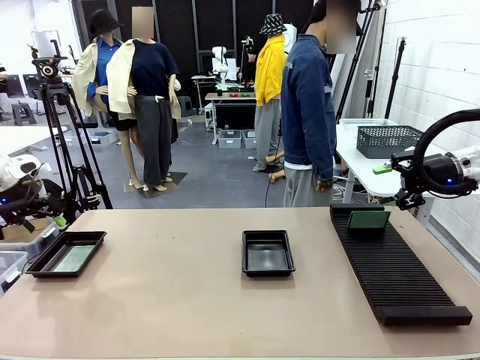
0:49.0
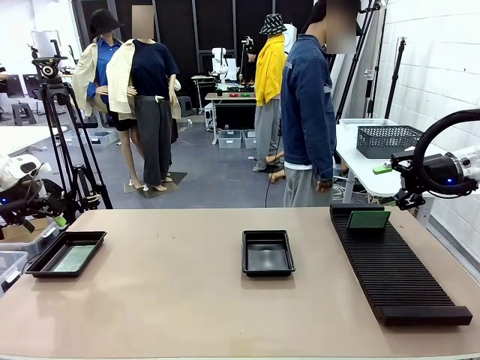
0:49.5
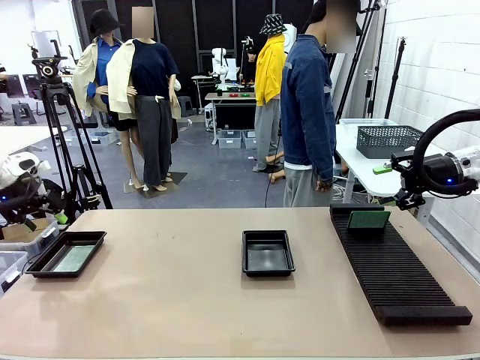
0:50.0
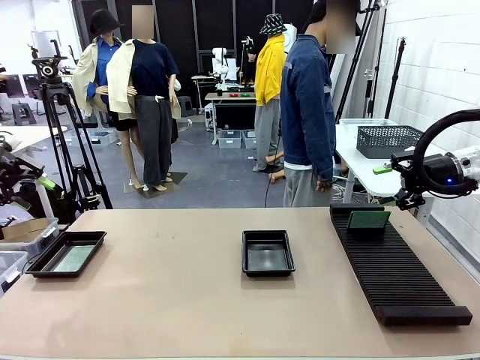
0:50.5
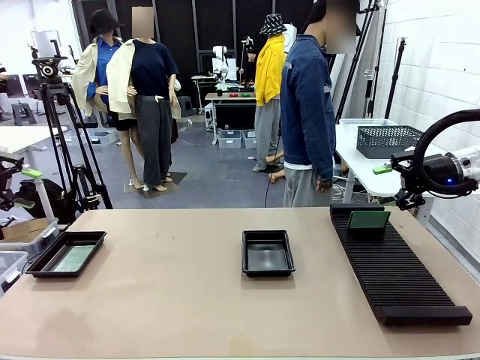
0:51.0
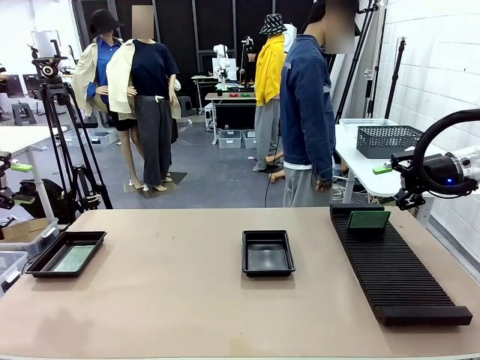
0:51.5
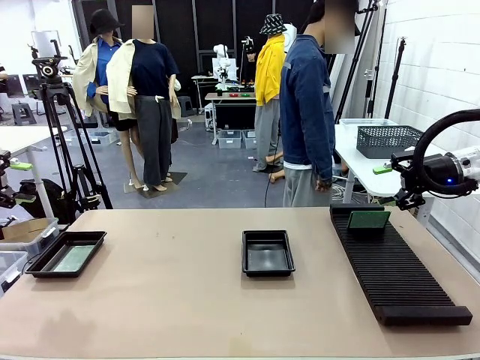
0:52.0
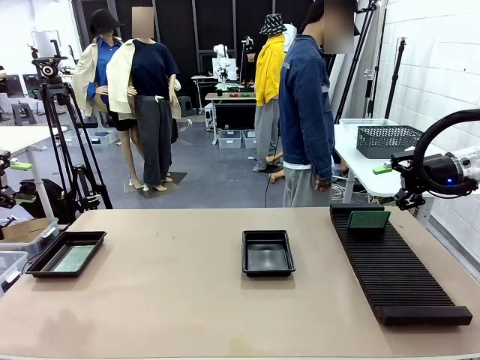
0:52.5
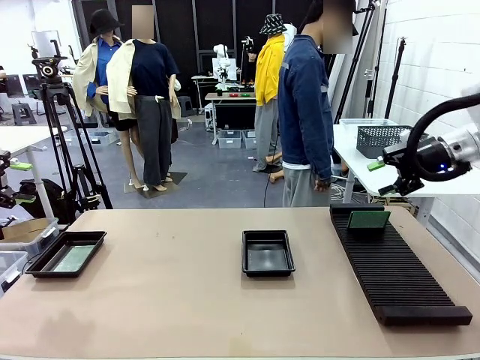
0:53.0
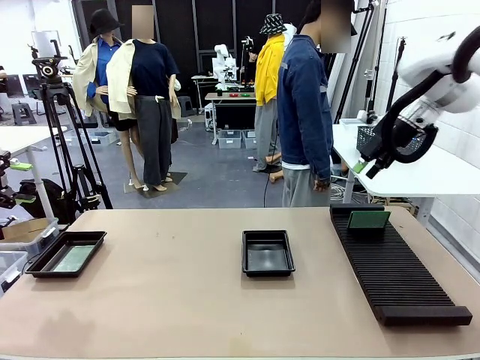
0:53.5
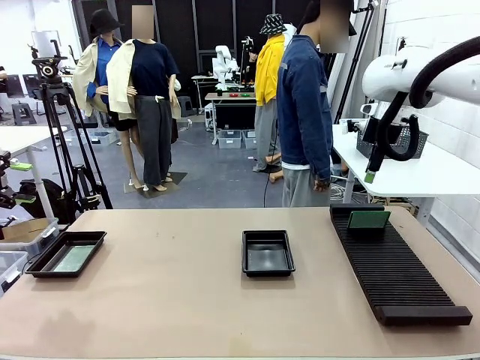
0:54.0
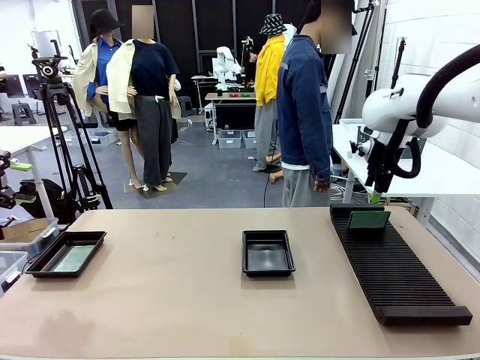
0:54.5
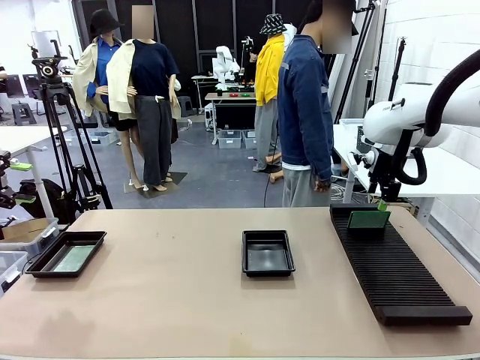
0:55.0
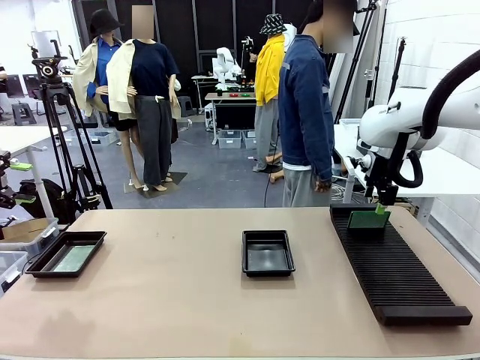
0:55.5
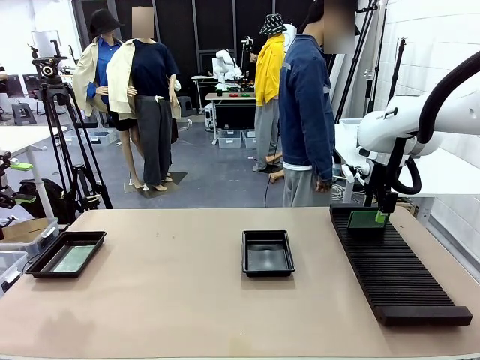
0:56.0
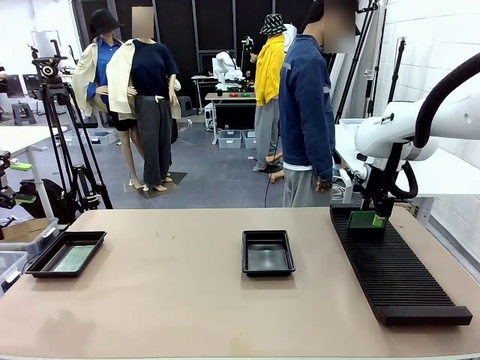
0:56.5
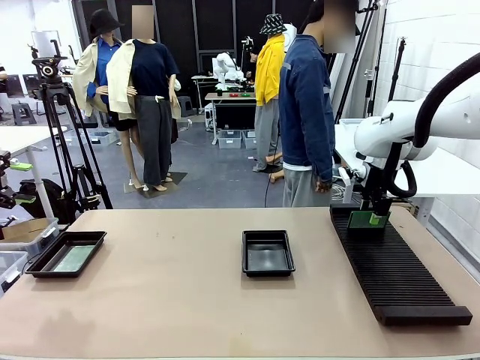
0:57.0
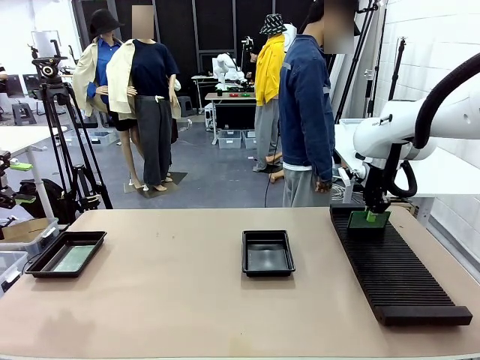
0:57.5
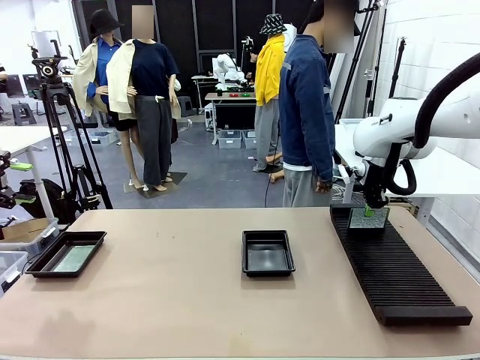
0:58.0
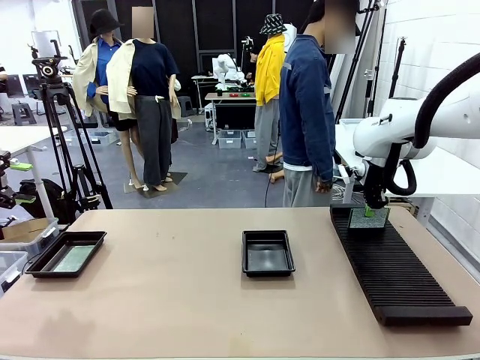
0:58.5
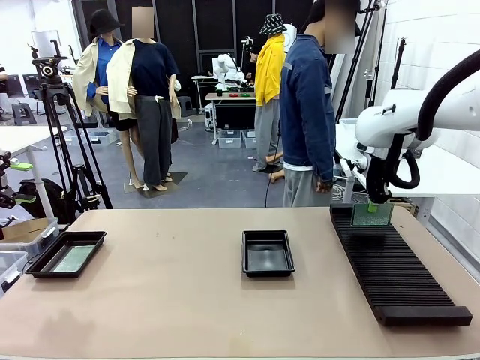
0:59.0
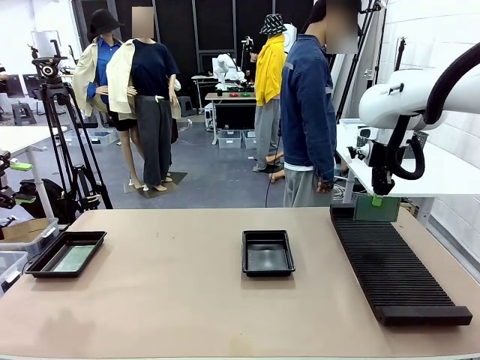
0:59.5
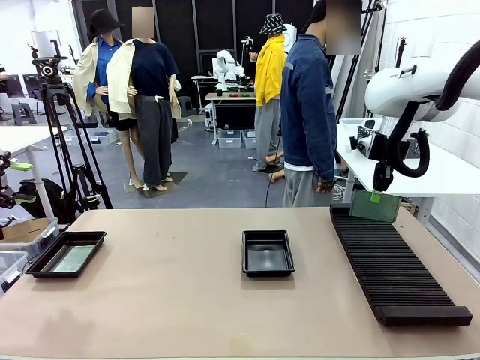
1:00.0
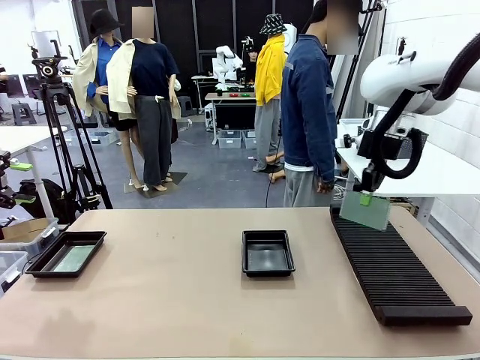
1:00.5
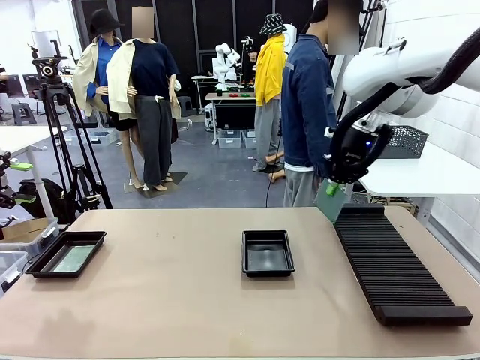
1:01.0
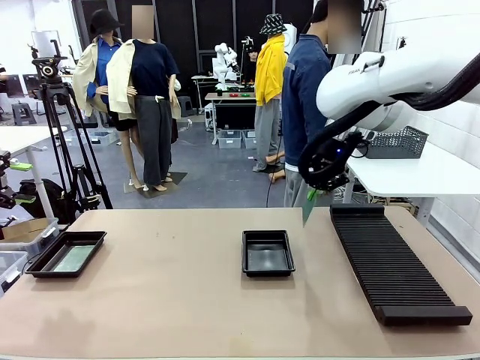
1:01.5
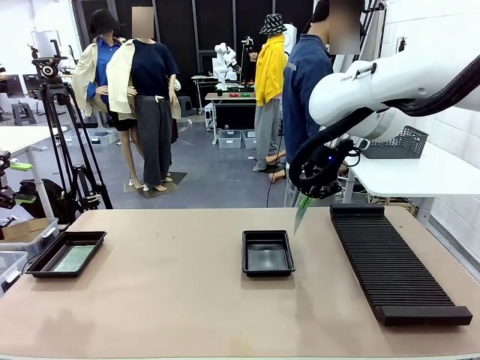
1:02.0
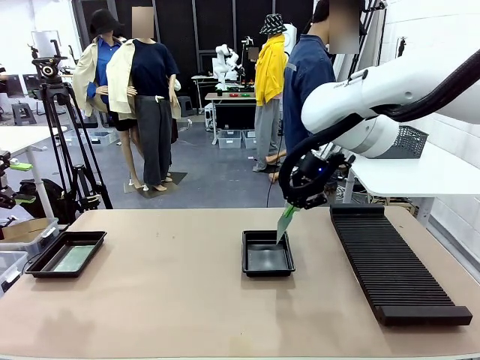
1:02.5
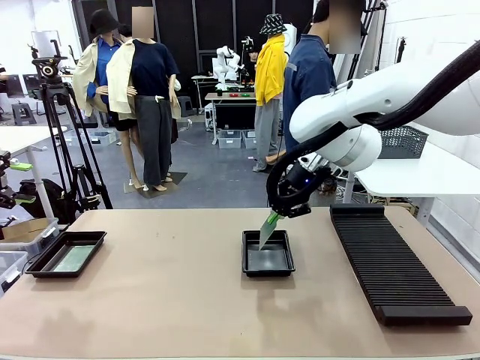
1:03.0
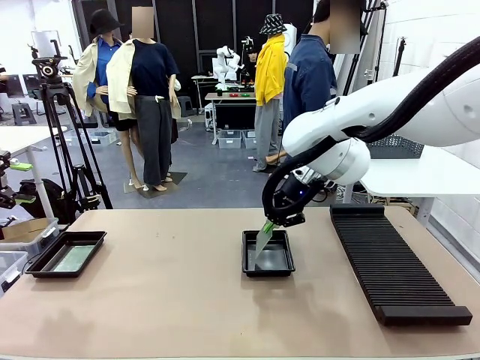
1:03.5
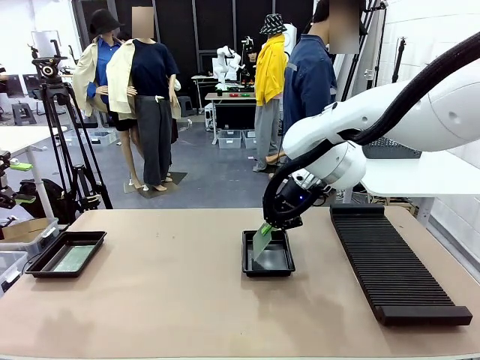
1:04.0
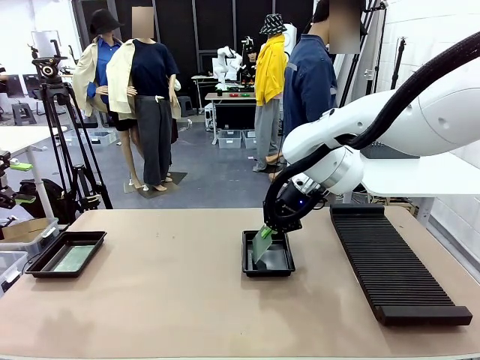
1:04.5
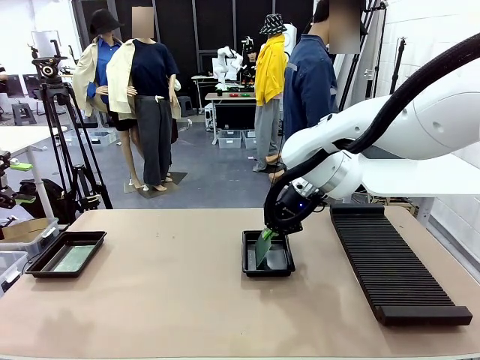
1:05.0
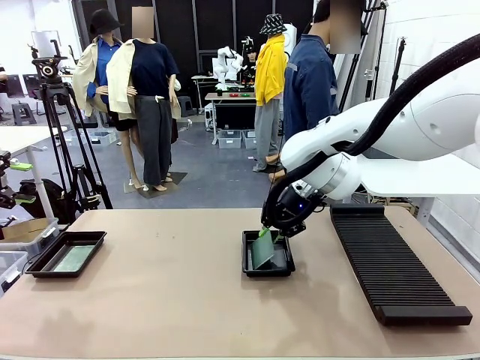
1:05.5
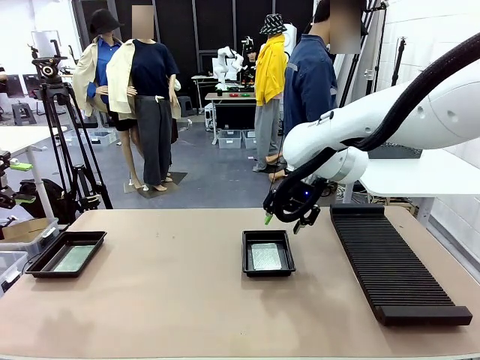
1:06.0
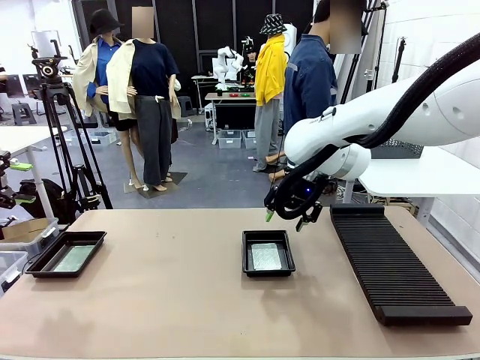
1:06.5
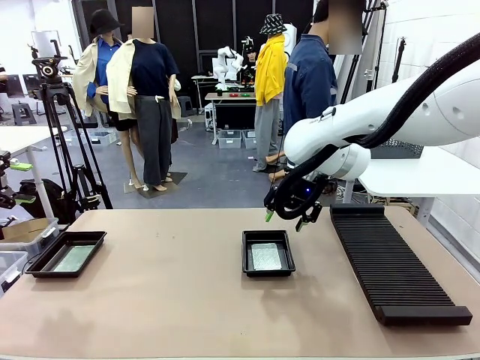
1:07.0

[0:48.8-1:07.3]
Task: Inspect and transfer BCBs to ESD trays.
Robot: Pick up the Blank PCB from the PCB Rack and place it in the right ESD tray.

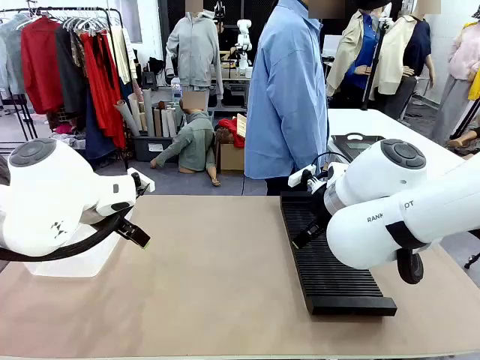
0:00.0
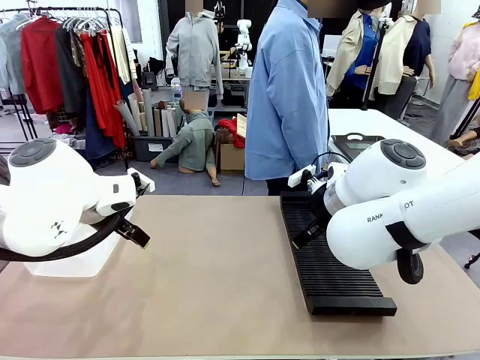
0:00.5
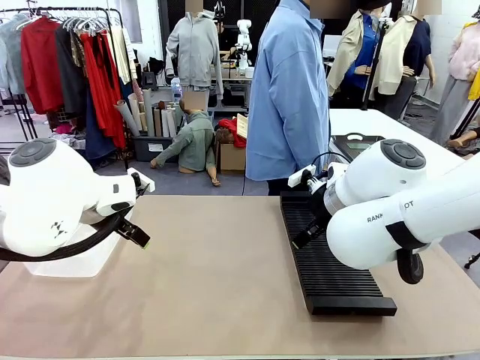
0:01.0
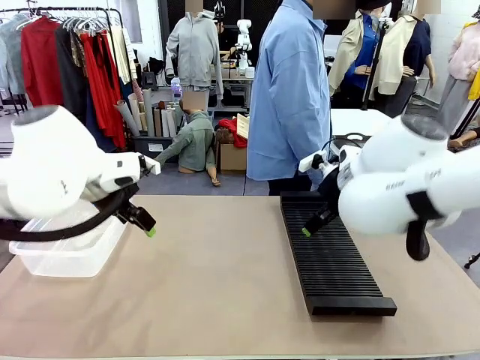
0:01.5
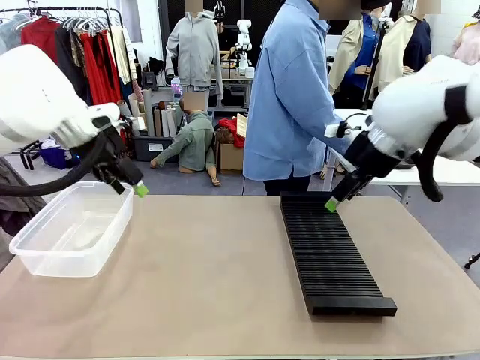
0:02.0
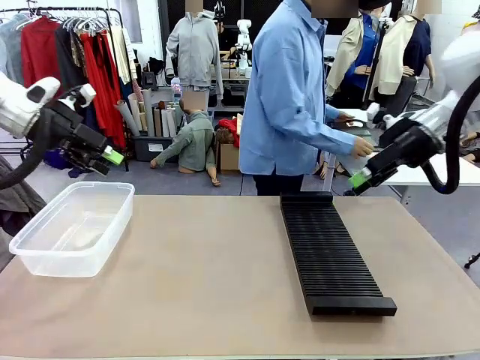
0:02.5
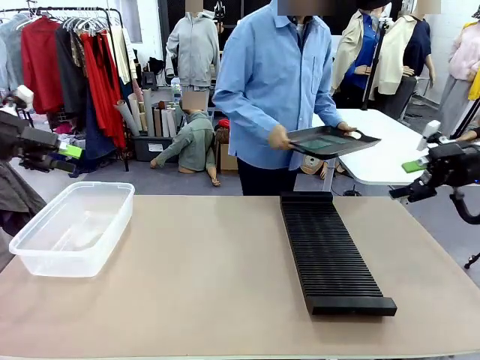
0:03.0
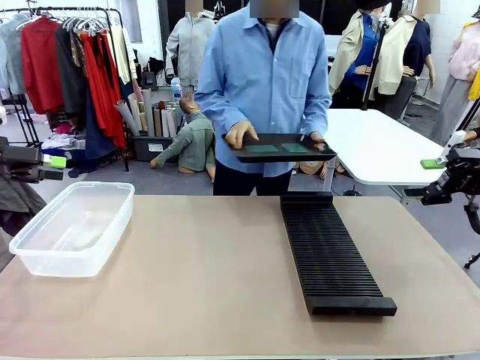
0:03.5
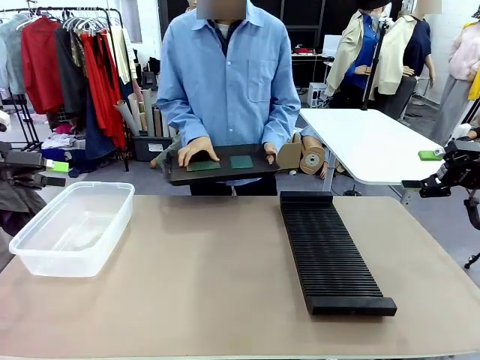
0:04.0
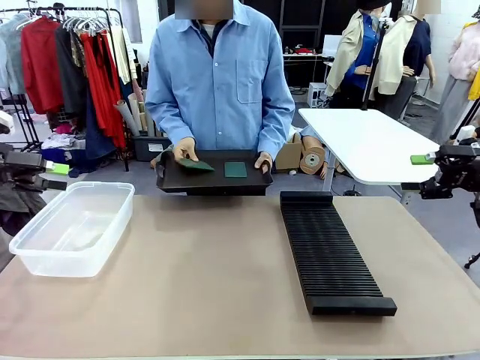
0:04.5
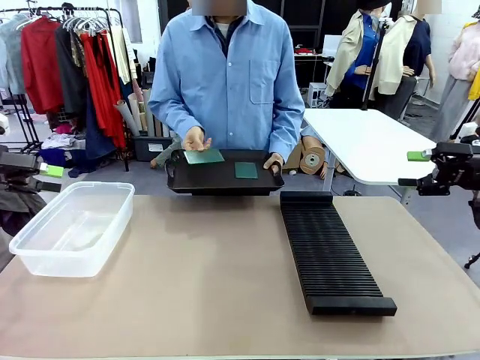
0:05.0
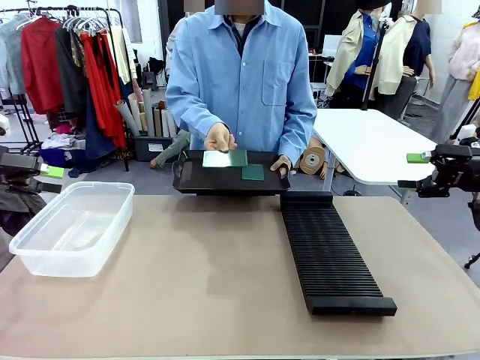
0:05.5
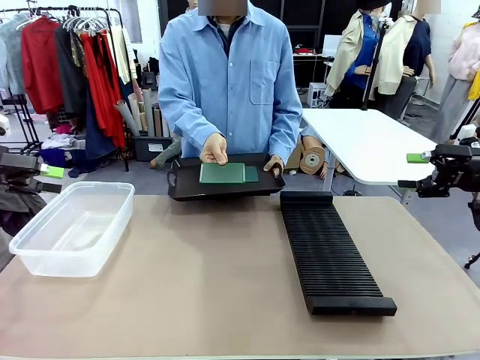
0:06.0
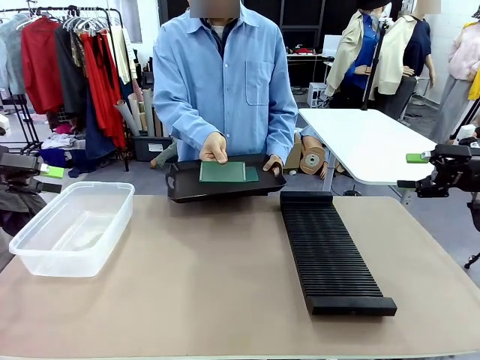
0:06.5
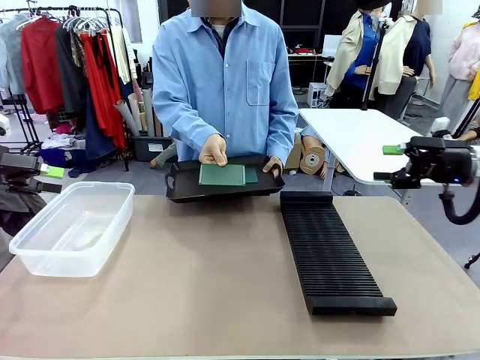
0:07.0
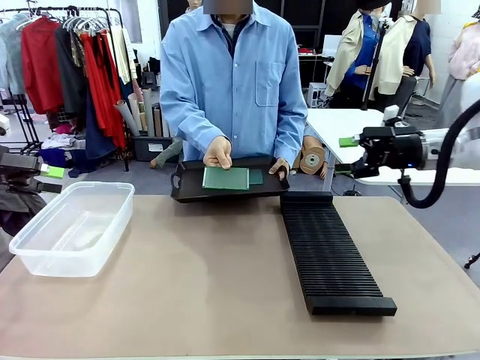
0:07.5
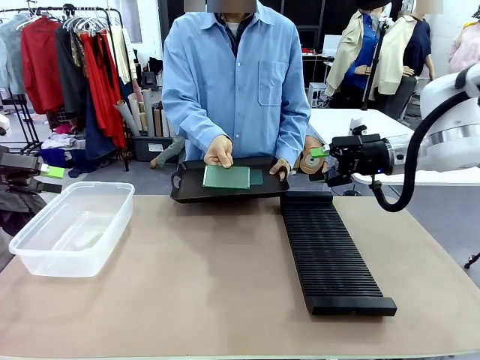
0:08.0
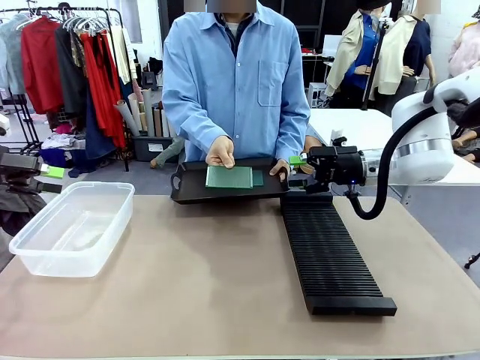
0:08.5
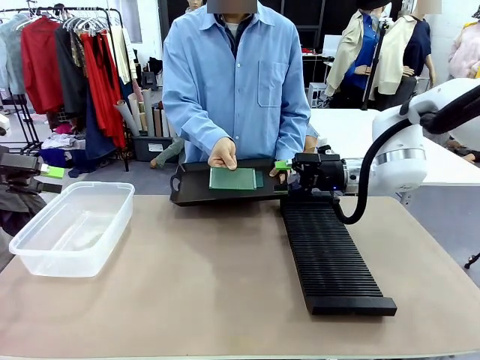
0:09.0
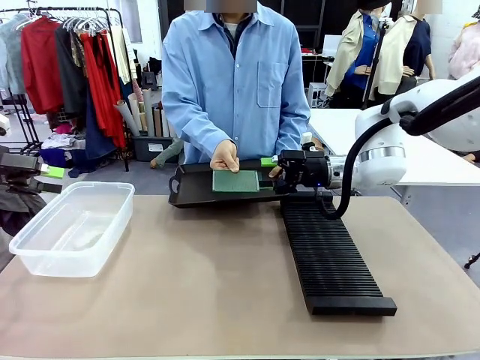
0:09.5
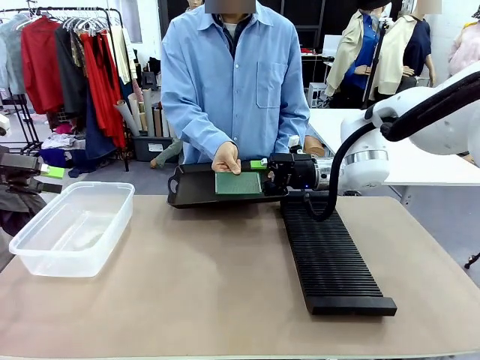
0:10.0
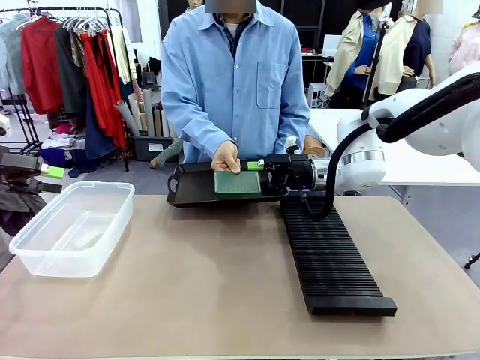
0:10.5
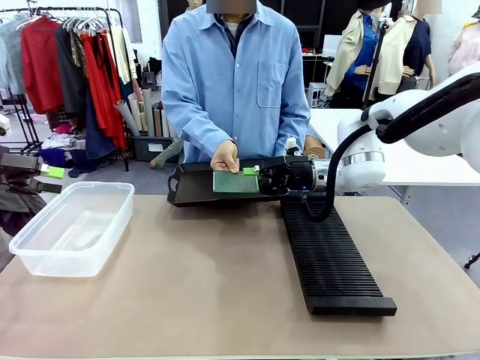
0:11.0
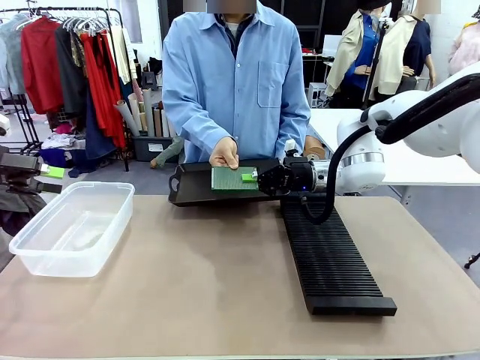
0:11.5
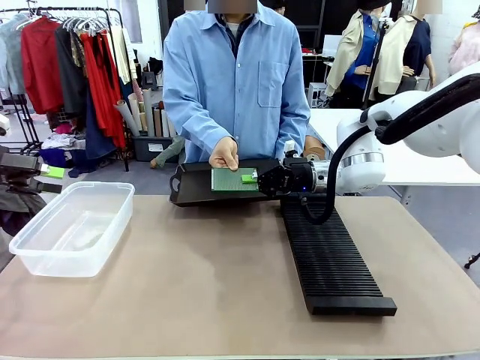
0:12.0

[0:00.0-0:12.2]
Task: Sort PCBs into racks and boxes based on the side picked up.
Robot: Pick up the Blank PCB handed by the Human.
Person: Pick one PCB from the tray and present it to the robot. Release the PCB being held.
